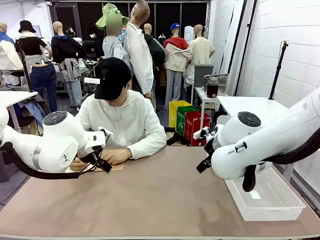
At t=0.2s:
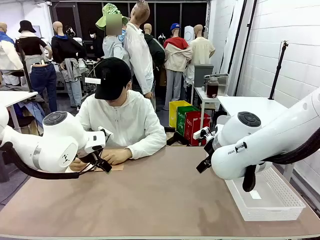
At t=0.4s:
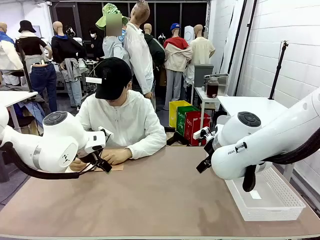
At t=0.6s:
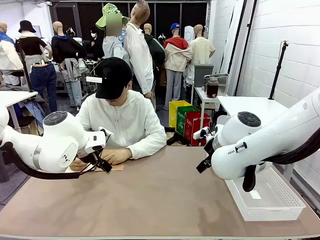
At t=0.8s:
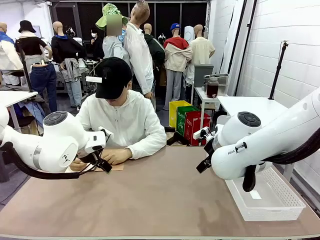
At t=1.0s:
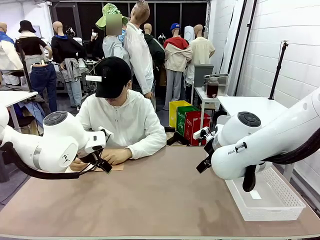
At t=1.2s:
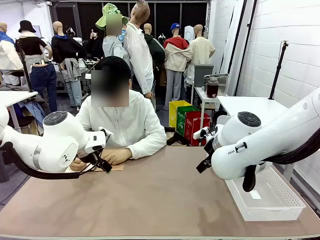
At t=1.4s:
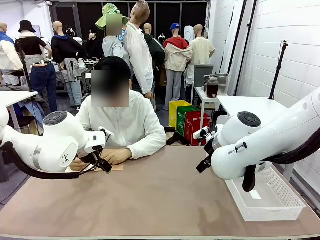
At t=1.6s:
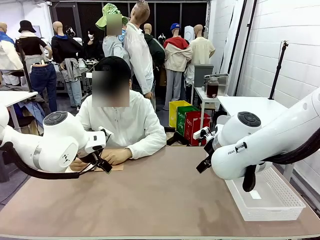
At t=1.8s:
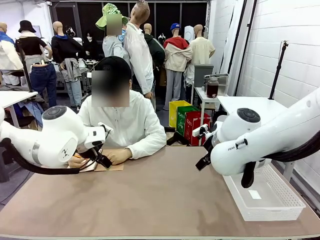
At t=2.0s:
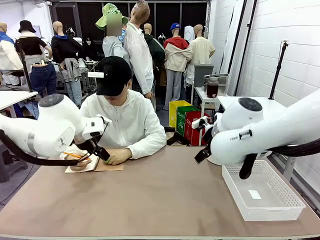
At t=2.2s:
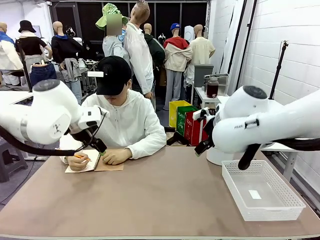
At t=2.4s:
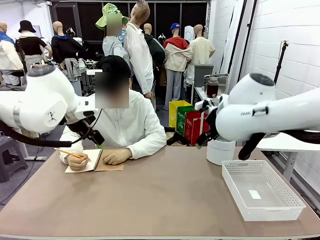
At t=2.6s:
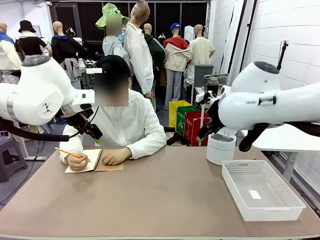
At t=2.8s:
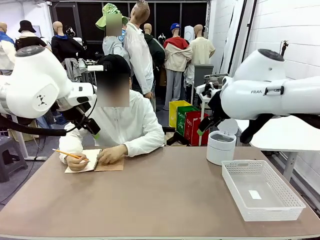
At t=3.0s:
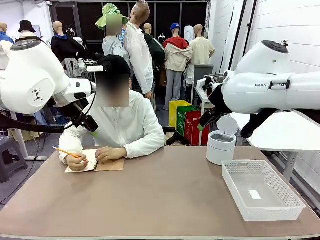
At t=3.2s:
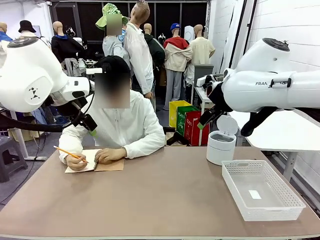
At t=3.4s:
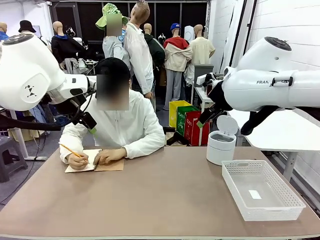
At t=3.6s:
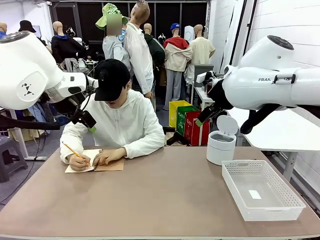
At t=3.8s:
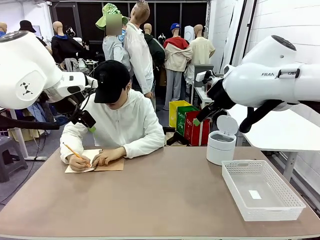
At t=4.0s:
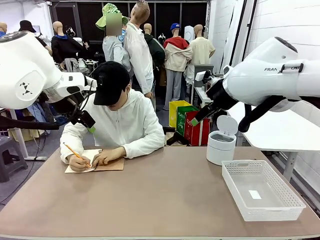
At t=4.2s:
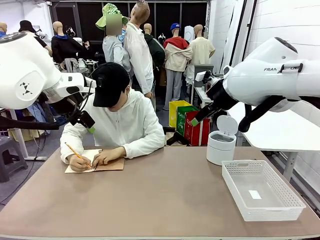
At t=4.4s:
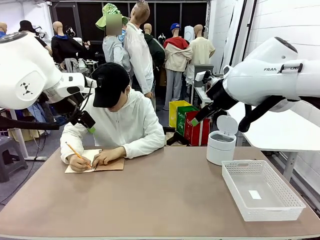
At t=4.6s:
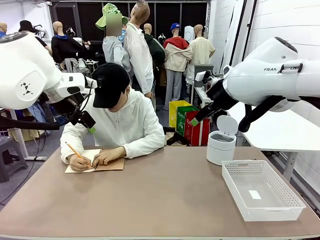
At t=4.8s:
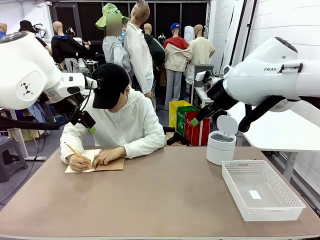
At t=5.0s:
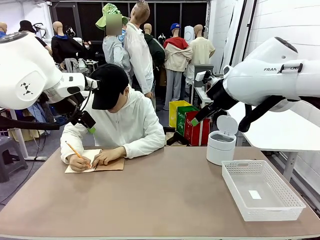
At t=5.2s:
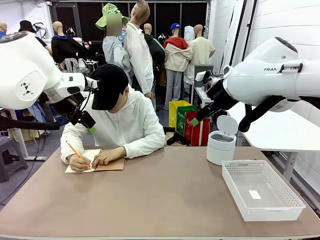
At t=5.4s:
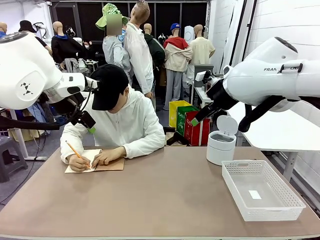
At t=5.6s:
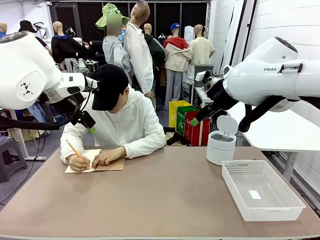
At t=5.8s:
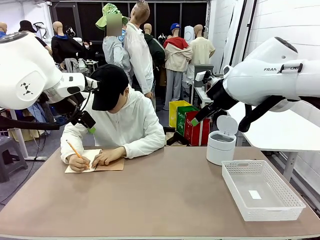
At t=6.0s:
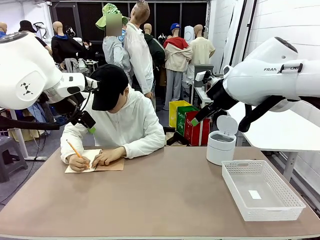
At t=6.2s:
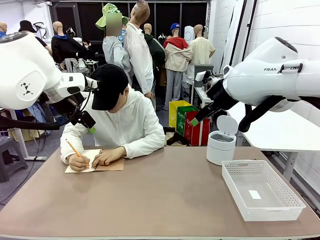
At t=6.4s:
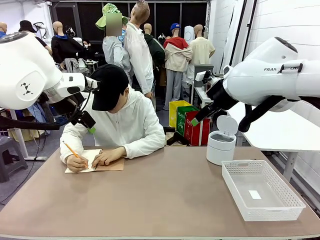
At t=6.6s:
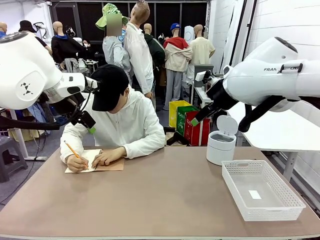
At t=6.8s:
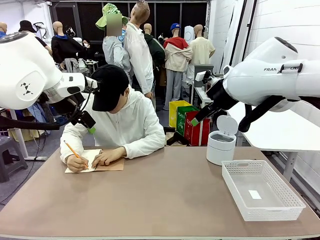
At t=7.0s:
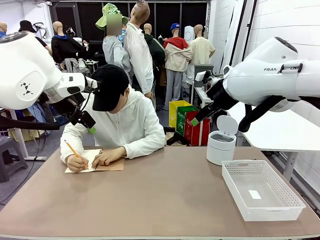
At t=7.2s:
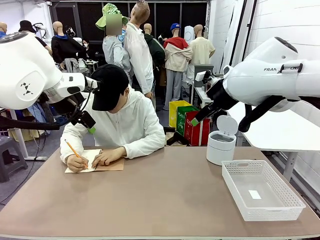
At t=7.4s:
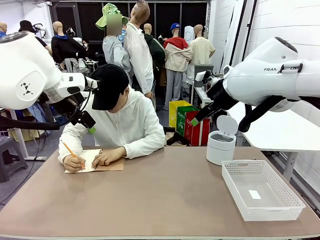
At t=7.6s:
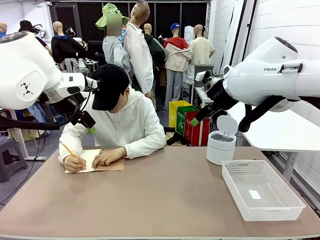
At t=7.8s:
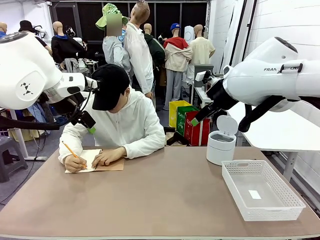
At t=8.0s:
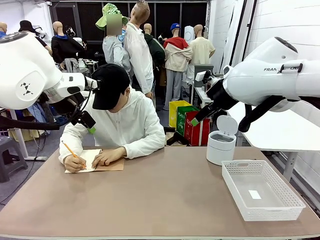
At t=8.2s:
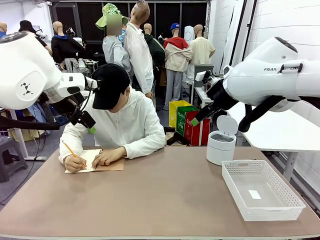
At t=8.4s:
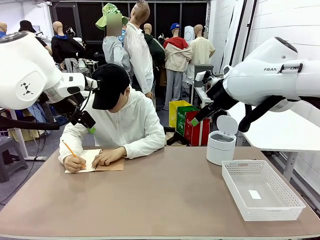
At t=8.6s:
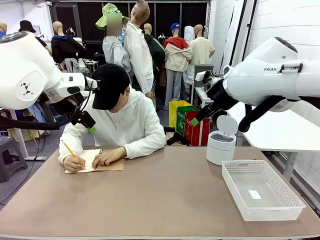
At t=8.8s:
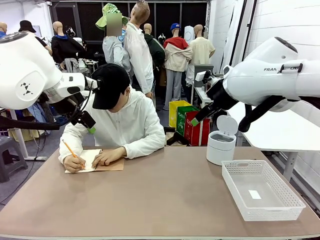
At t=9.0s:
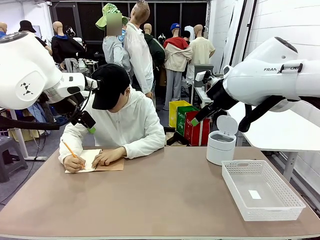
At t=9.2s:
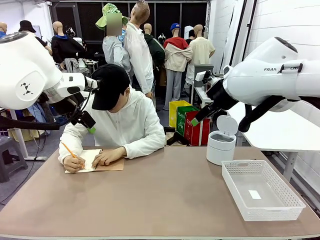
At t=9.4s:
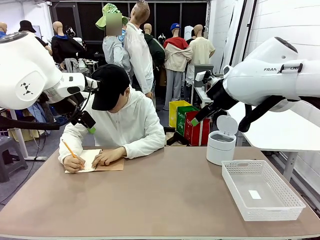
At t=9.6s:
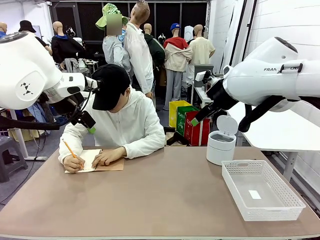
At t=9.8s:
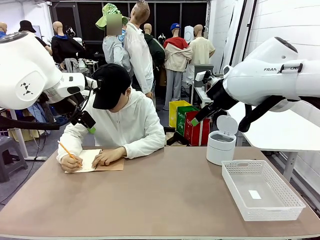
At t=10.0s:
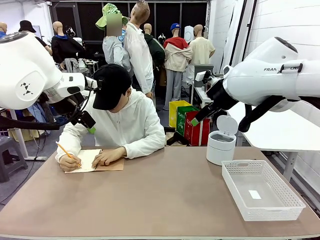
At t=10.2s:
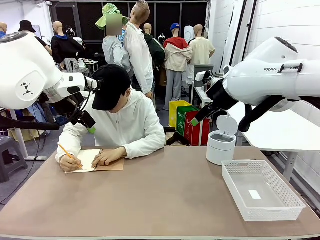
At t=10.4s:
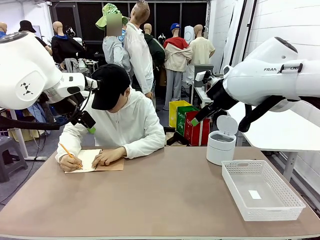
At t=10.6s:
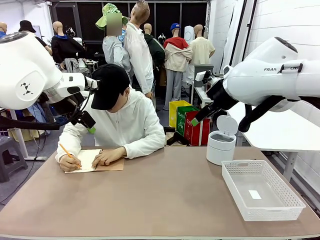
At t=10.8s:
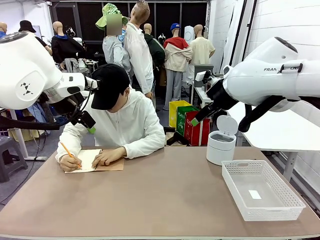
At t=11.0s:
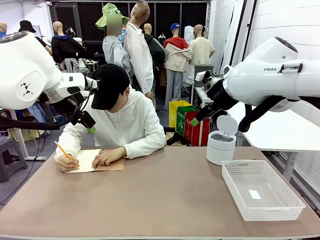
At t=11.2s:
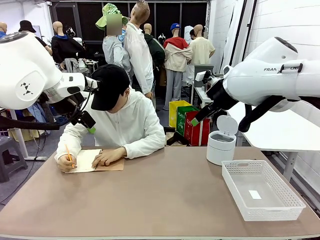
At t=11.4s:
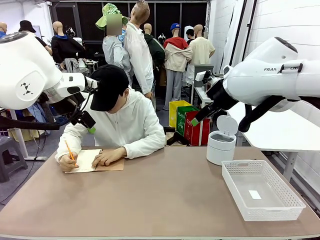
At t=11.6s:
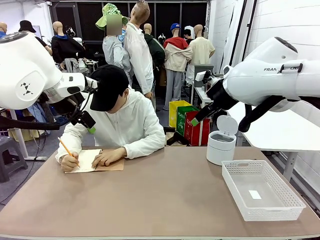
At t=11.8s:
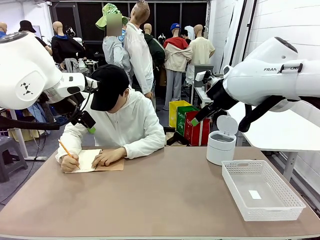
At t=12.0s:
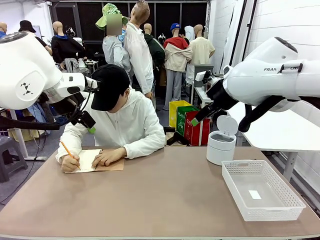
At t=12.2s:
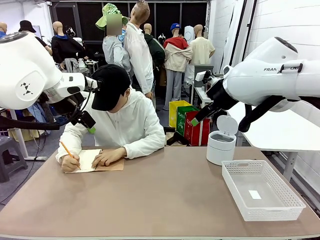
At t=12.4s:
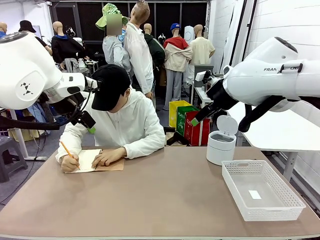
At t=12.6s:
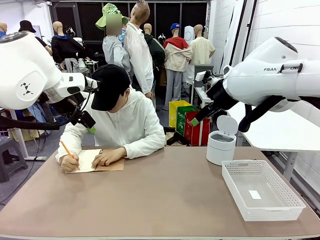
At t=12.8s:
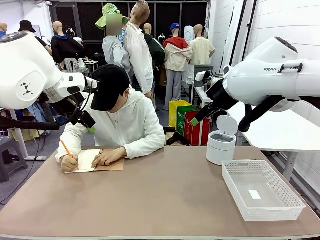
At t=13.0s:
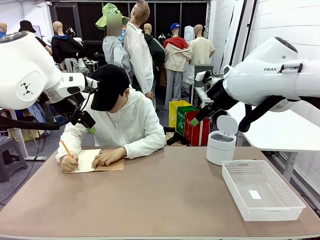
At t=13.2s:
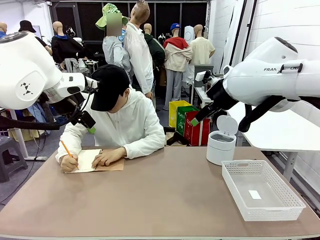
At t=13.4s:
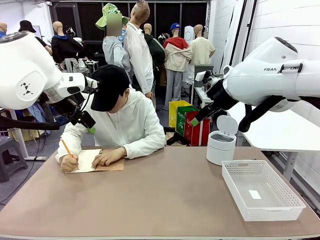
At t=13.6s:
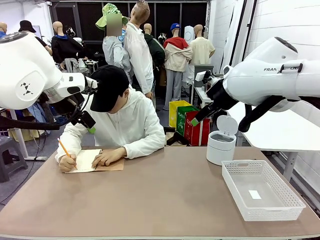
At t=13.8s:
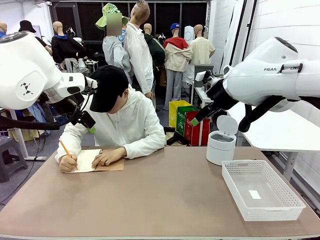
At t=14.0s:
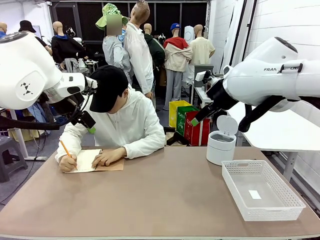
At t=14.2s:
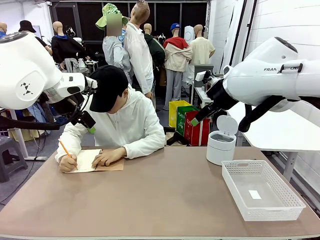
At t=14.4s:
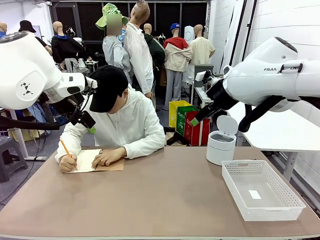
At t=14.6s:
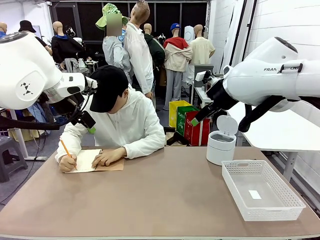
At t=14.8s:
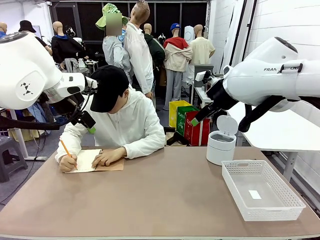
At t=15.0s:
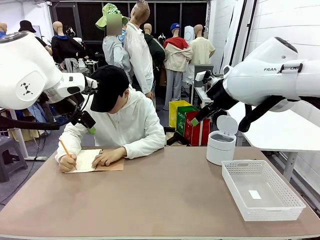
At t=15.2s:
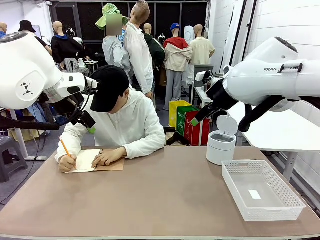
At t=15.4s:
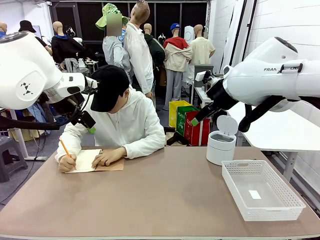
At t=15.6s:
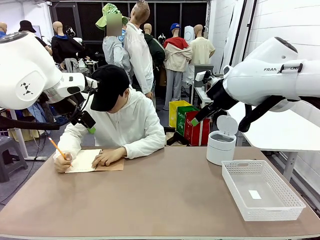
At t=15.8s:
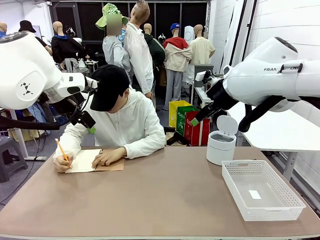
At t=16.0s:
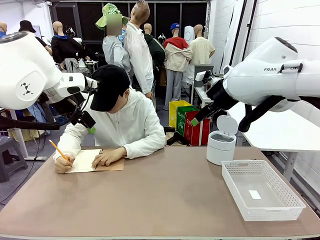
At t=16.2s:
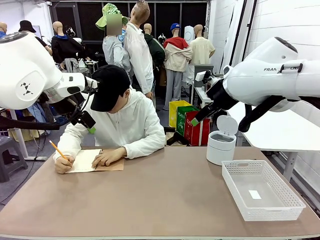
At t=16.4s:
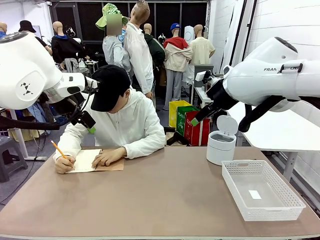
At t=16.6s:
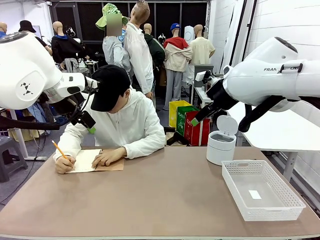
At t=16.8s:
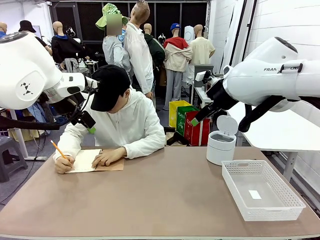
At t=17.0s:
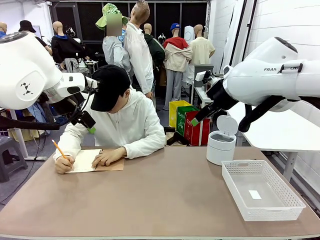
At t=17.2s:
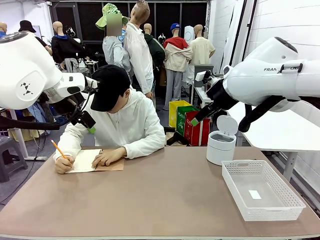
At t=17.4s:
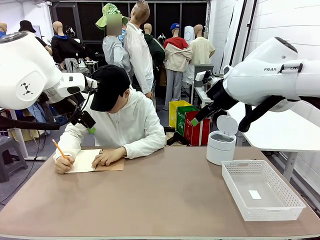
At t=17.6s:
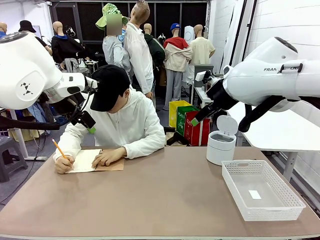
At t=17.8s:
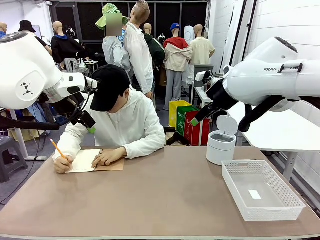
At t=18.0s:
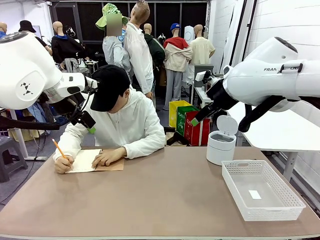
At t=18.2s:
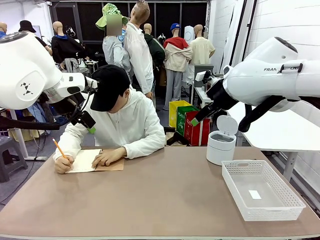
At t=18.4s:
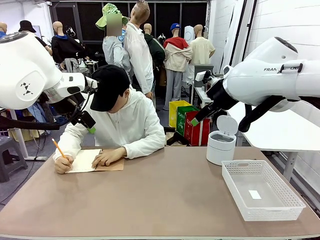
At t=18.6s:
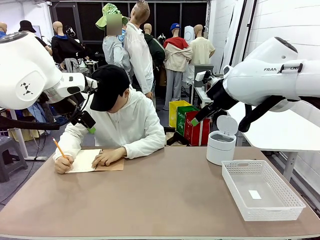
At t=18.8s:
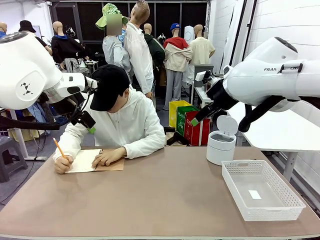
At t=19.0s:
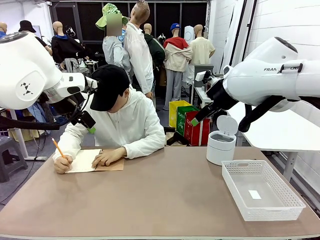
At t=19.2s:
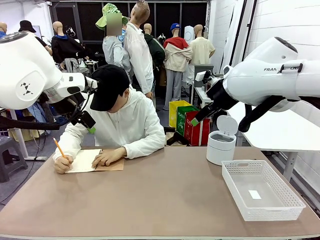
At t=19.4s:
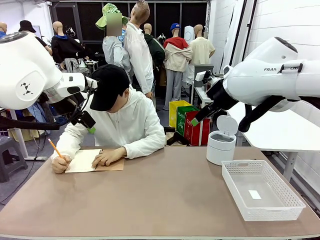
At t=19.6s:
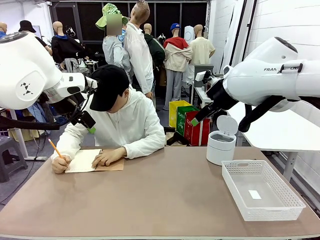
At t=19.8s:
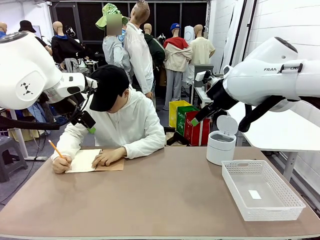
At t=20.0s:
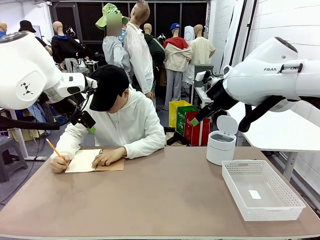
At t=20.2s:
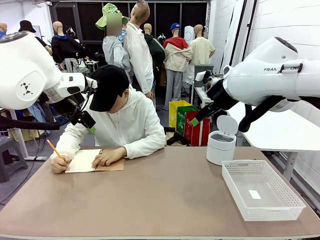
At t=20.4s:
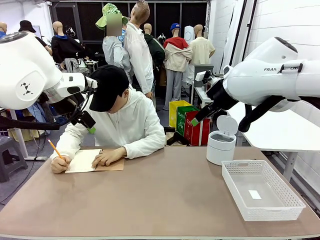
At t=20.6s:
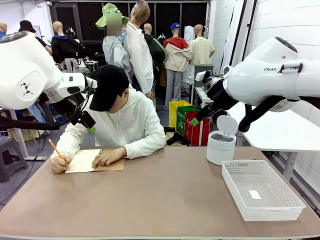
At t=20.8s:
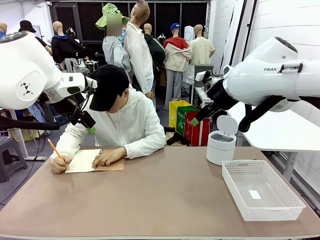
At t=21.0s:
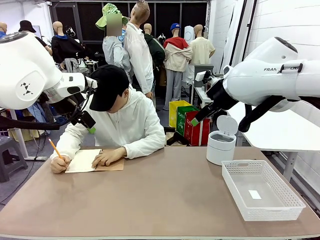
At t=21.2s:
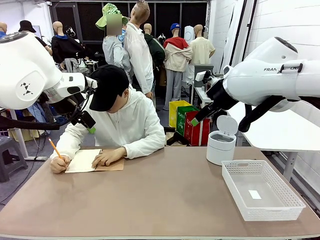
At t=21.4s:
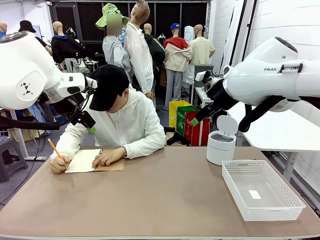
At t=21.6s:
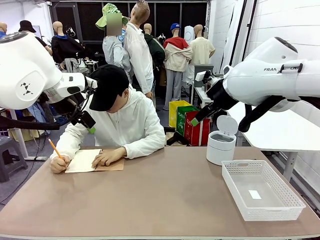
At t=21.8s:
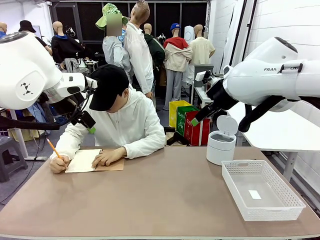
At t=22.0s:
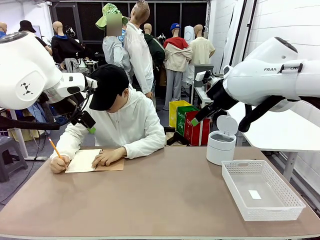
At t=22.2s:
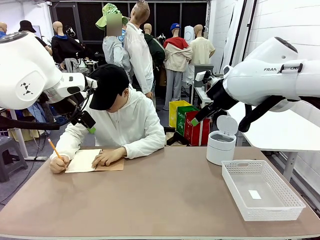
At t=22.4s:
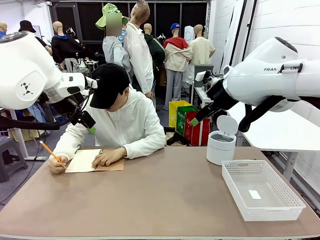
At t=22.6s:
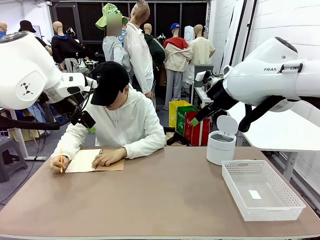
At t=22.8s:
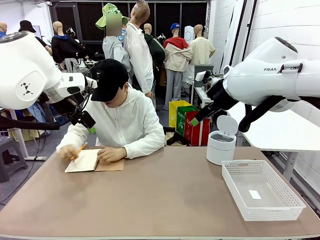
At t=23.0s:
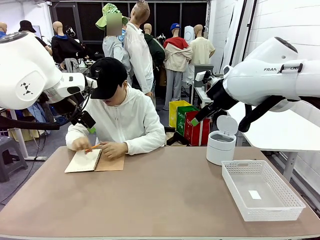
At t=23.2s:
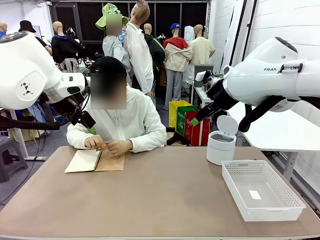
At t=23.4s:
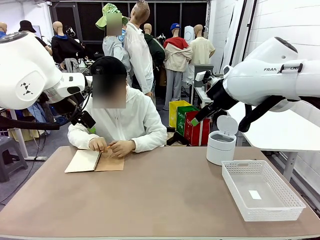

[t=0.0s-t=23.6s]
Task: Sort the paper based on its condition.
Robot: If a person hands you a paper, place it in the Organizing basket , and if it's crumpled, put it in the Trash can.
Person: Tear out a page from the spiral notebook.
